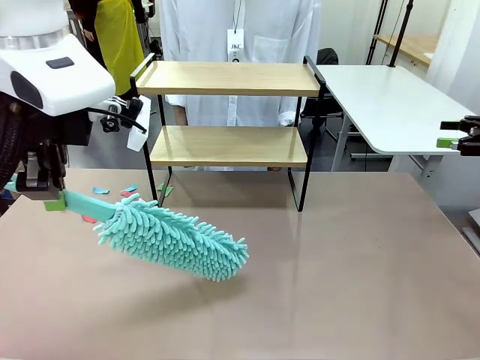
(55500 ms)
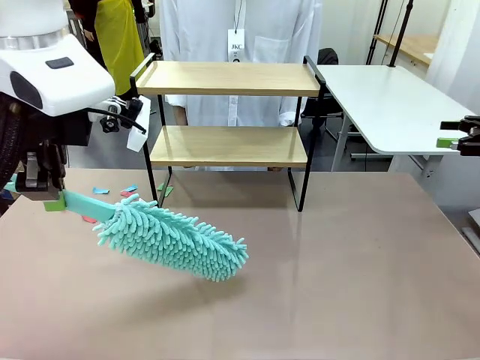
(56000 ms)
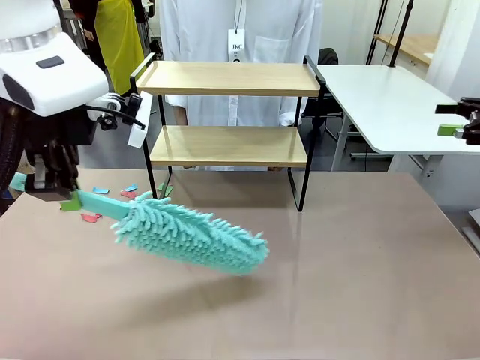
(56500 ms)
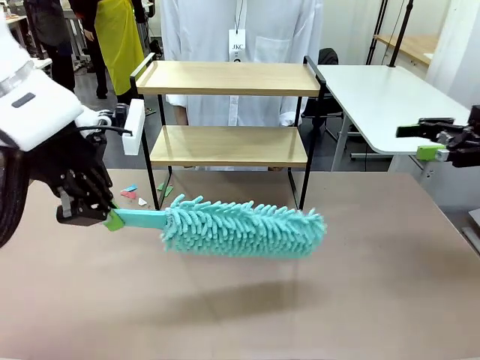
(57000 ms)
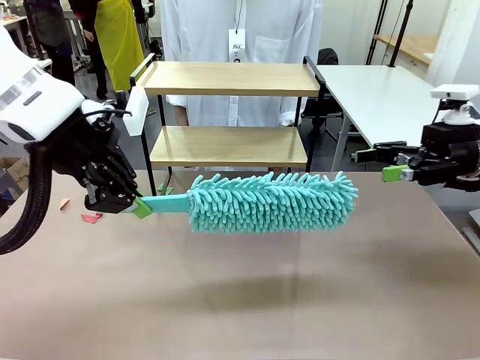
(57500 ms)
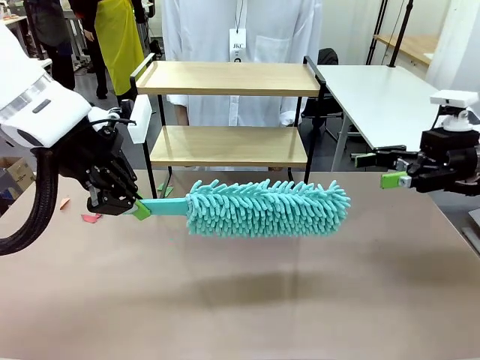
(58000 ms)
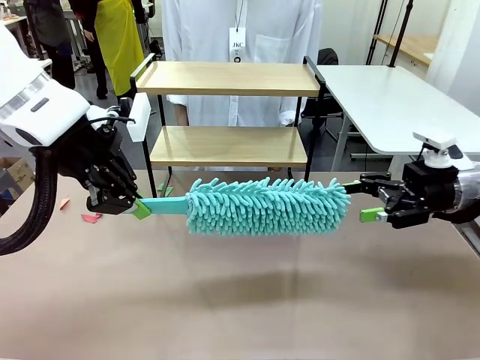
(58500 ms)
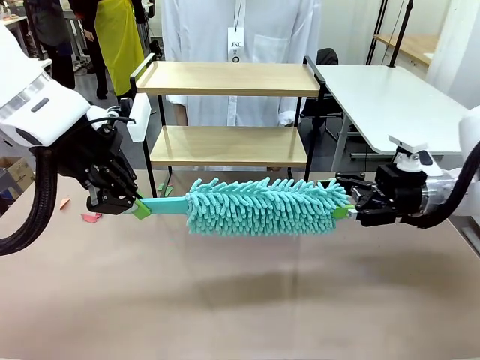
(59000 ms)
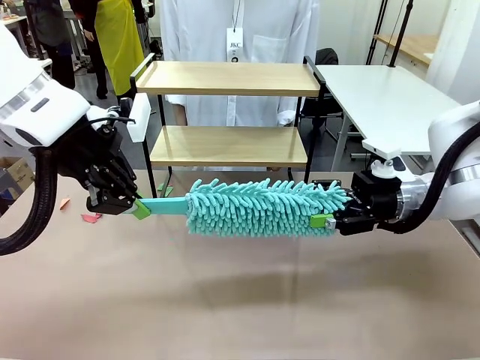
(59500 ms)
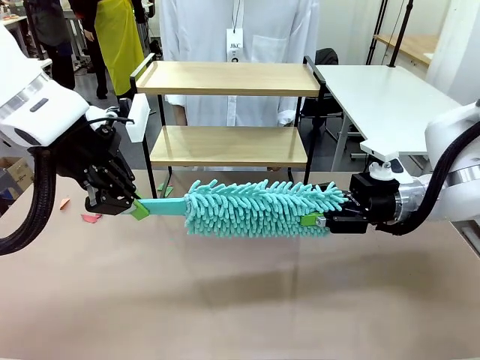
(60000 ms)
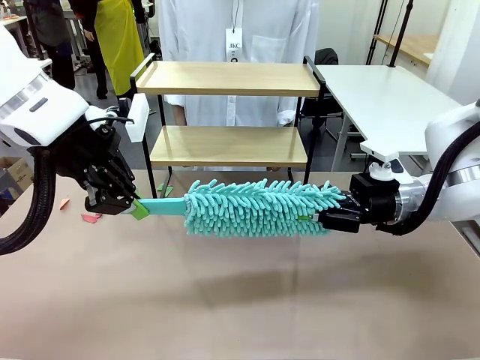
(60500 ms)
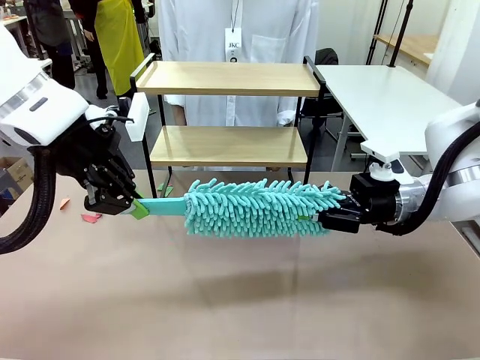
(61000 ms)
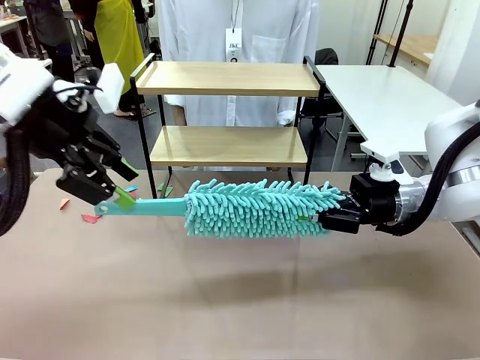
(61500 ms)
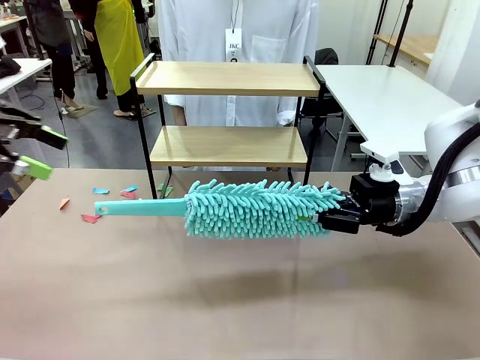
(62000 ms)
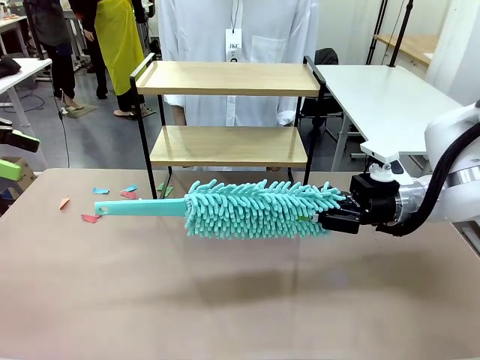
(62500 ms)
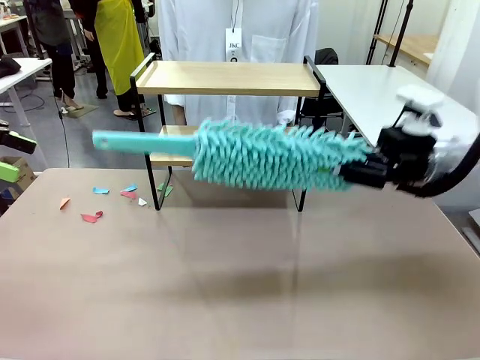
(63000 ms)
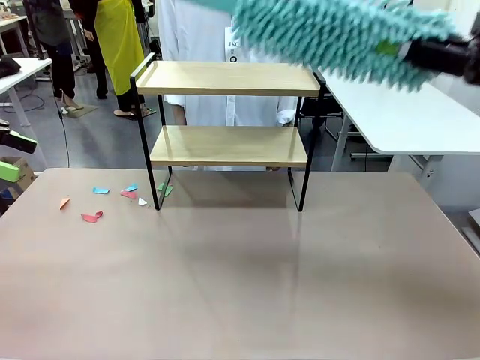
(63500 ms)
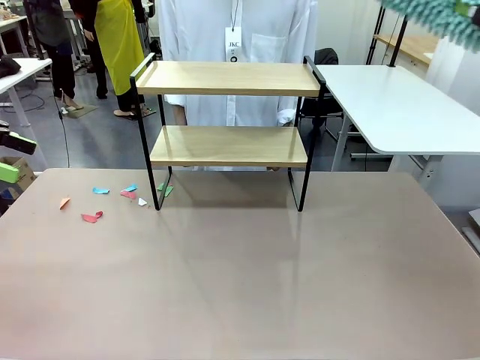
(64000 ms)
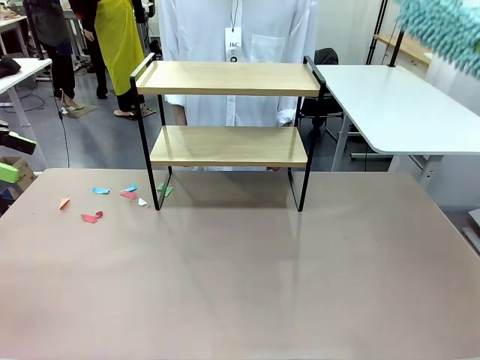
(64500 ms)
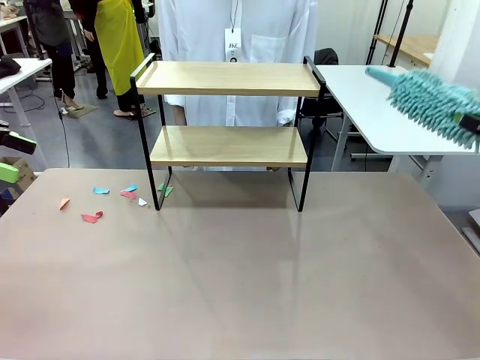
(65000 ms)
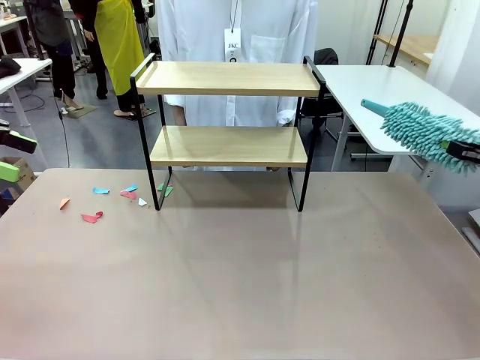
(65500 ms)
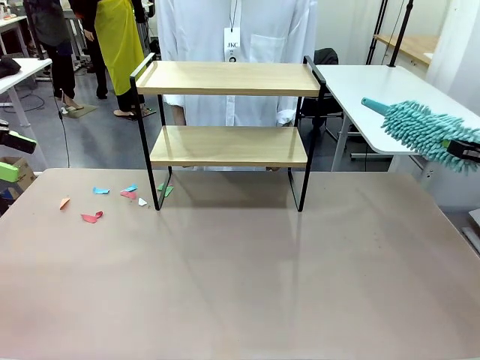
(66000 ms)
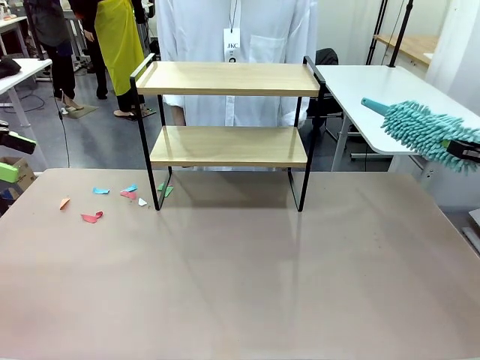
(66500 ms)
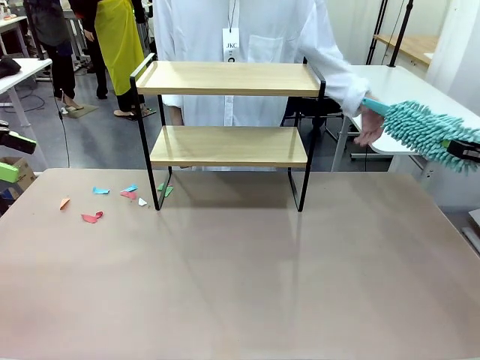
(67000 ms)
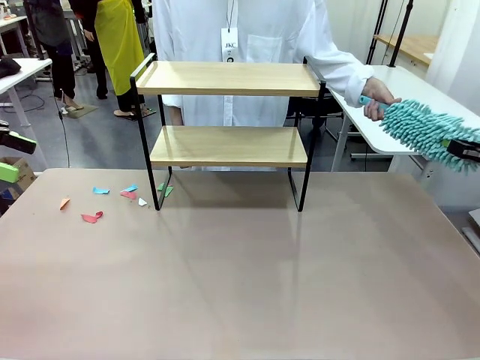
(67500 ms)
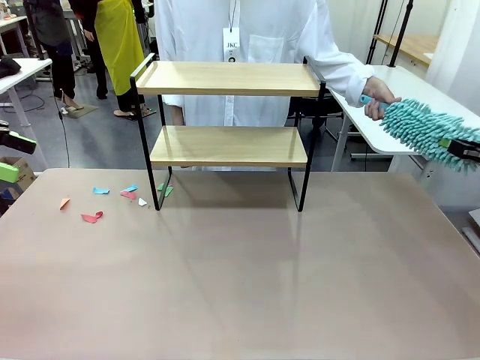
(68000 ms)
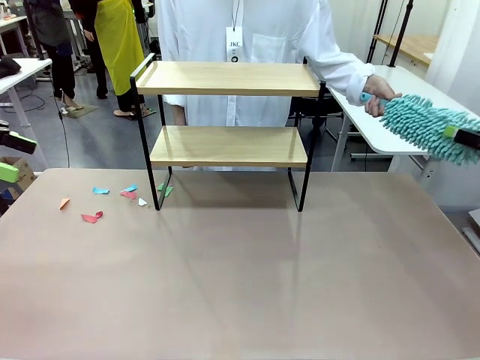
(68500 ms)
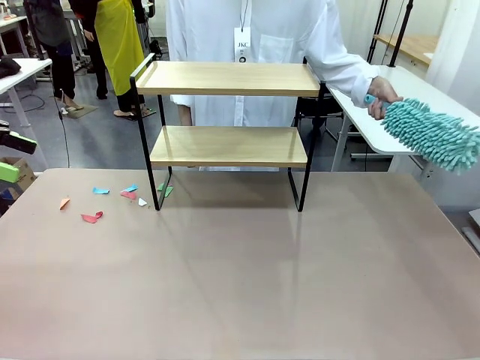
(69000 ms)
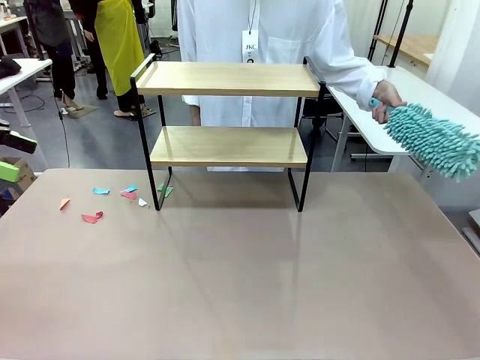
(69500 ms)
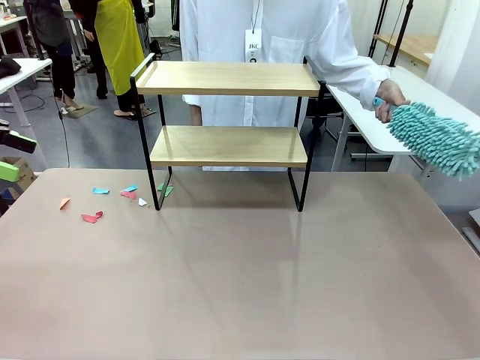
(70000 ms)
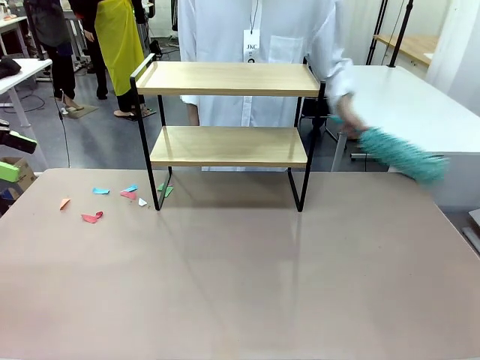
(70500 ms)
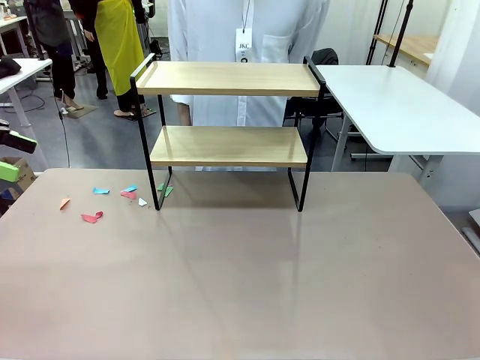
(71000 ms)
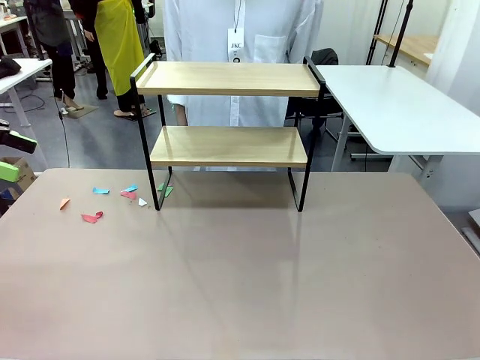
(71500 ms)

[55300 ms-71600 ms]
Task: Clean the shelf.
Robot: Hand the Duster back to the human.
Person: Receive the Duster from the robot.
